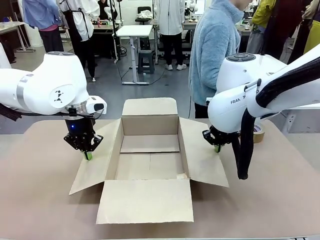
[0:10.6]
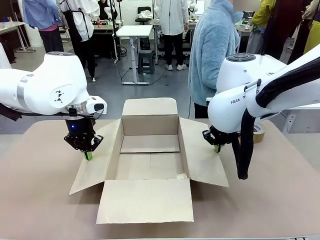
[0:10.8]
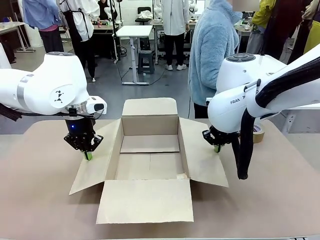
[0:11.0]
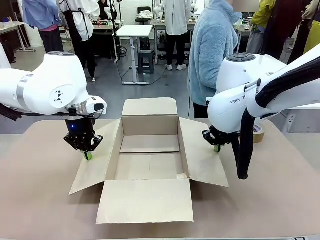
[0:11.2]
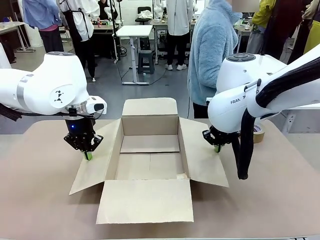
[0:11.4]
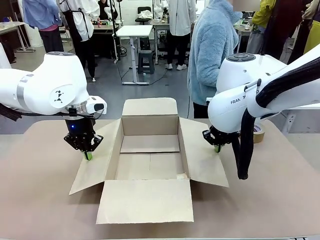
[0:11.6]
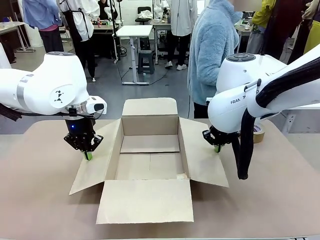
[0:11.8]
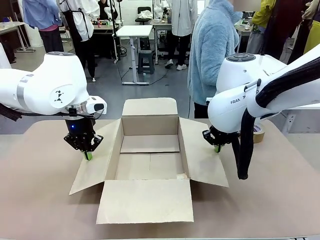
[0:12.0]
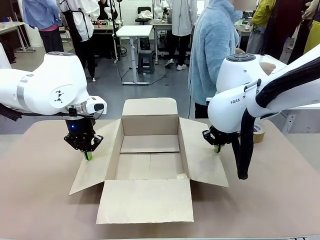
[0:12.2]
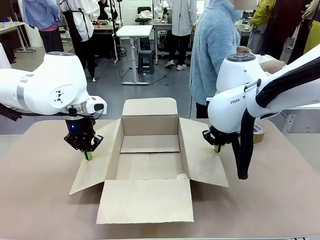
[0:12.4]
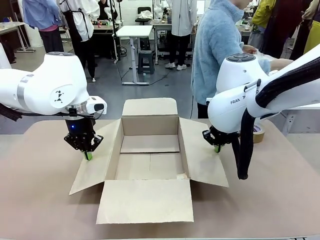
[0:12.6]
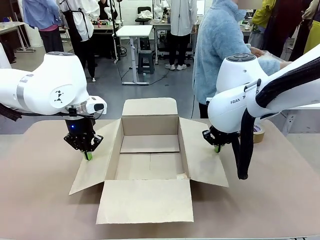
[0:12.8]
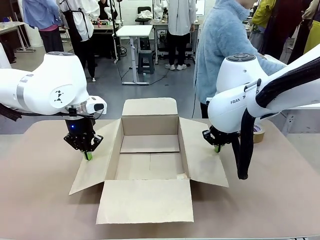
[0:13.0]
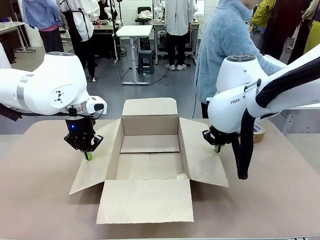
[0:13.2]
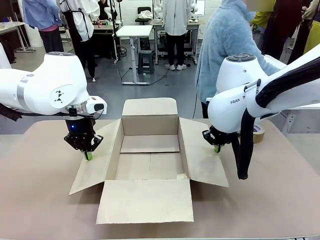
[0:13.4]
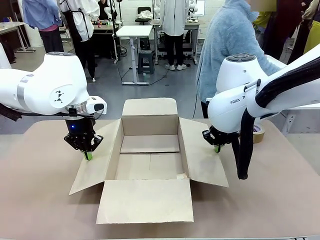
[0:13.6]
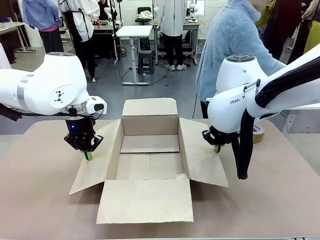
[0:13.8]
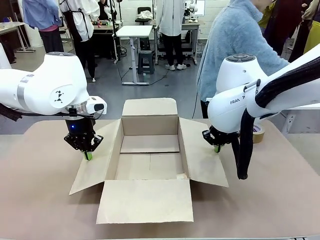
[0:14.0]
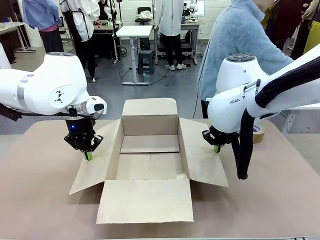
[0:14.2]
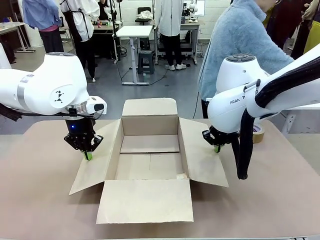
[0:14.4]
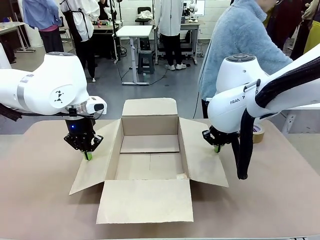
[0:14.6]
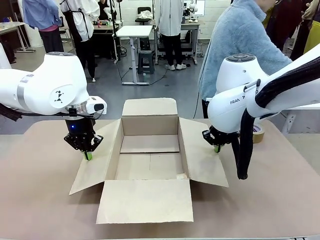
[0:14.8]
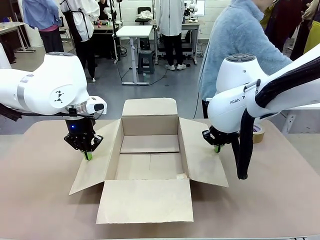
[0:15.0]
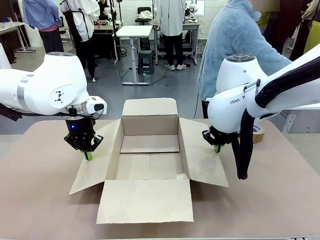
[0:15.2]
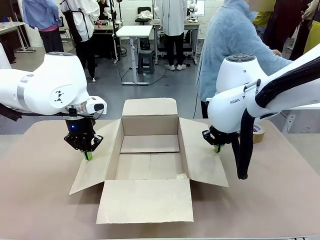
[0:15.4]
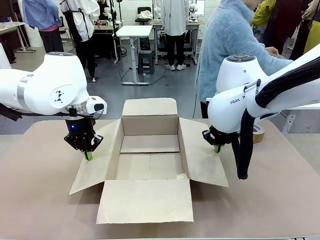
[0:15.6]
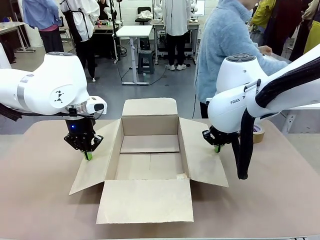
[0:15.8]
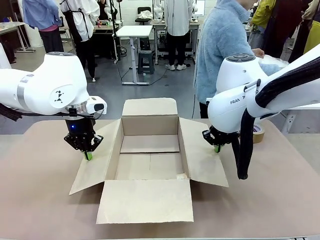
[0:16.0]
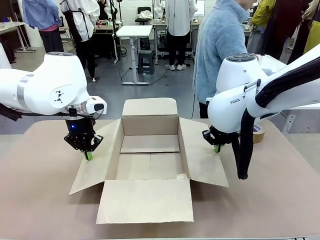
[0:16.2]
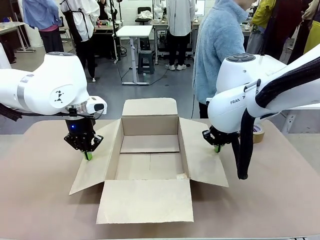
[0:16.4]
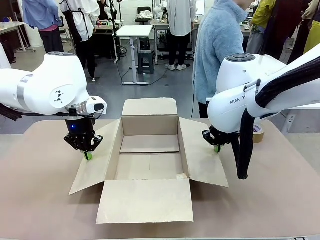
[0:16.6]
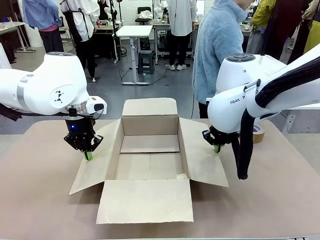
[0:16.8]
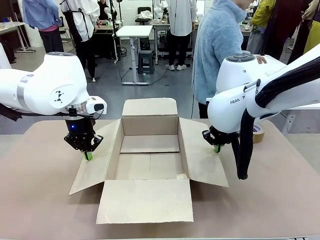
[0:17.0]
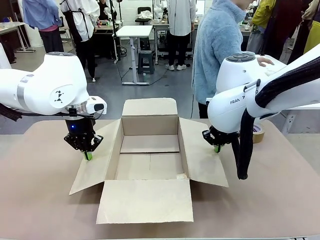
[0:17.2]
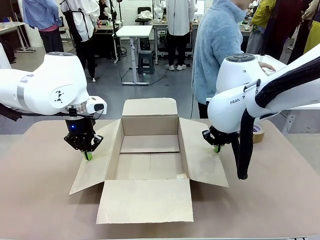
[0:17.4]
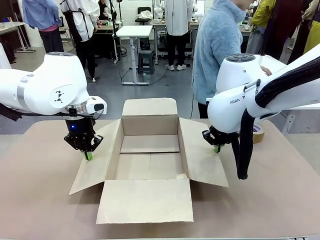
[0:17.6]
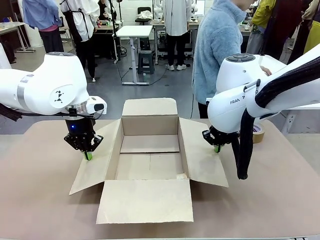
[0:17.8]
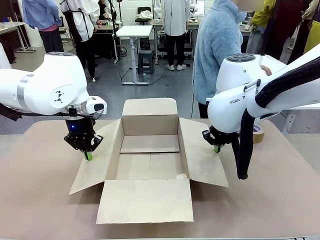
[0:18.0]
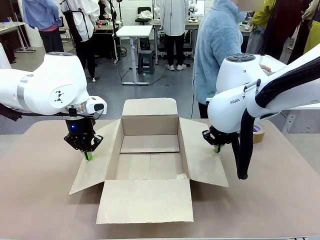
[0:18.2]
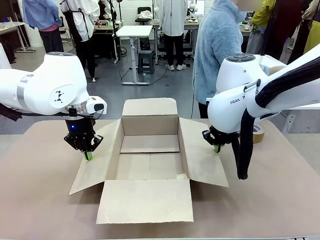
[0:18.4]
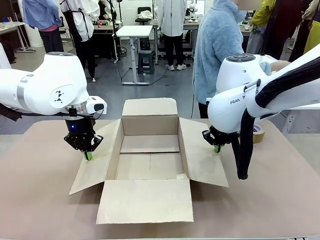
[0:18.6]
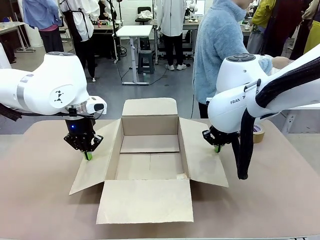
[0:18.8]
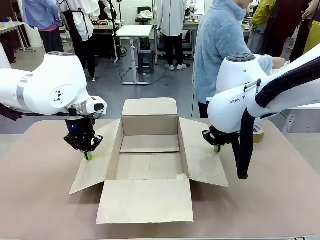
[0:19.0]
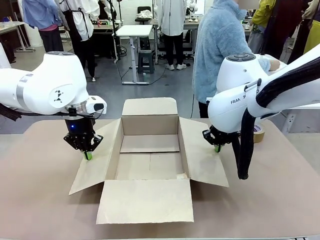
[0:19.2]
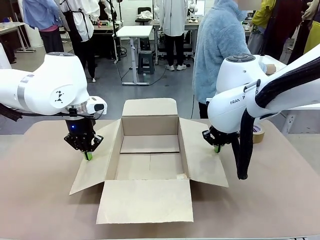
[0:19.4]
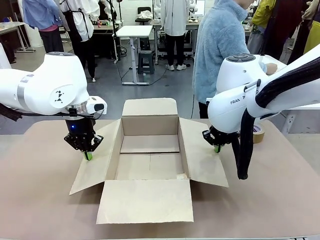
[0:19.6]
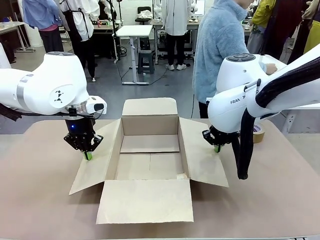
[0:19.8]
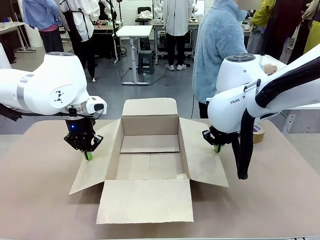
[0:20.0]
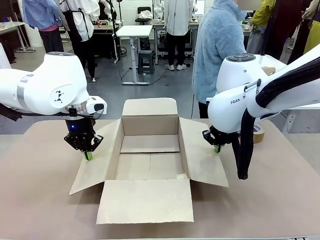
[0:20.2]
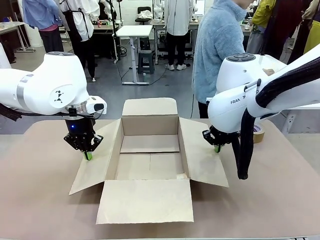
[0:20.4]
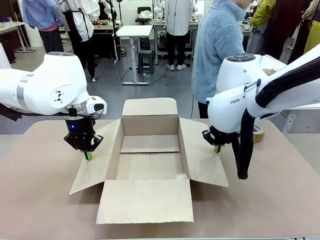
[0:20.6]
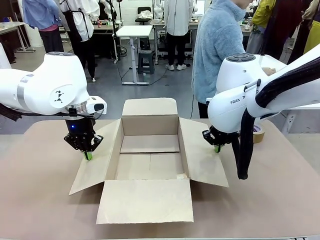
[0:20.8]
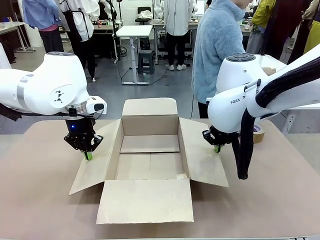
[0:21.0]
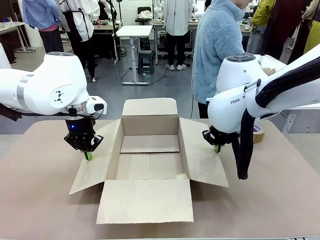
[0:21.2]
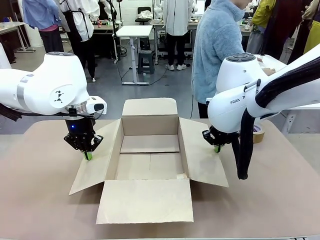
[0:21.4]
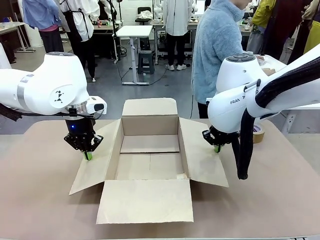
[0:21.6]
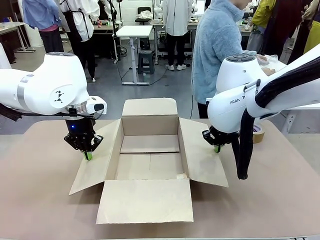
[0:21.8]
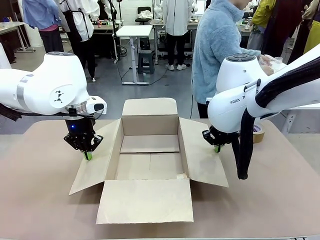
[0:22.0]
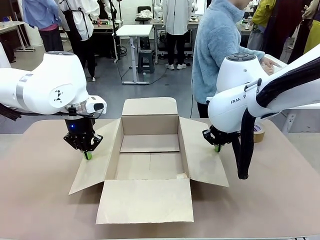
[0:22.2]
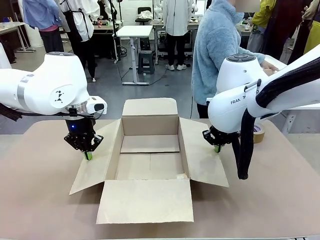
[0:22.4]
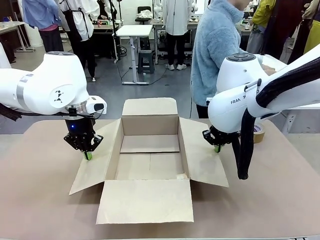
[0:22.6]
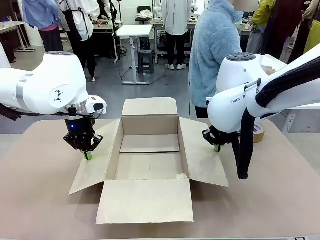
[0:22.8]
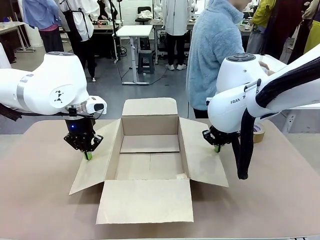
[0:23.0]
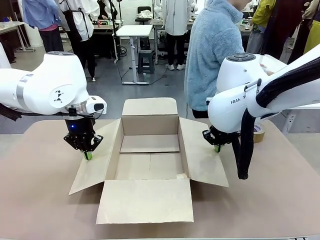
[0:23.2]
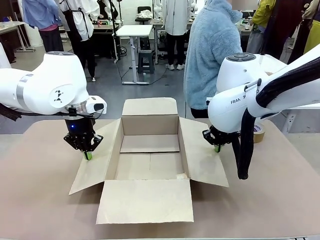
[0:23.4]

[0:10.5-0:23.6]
Task: Wrap the clocks to prevent damage.
Robot: Once the human has placed the objects inside and stepped back, release both hands from the side flaps of the Package Box.
Person: Wrap the two Digital clocks with Bubble Wrap.

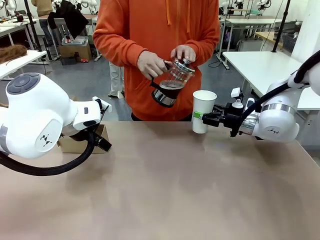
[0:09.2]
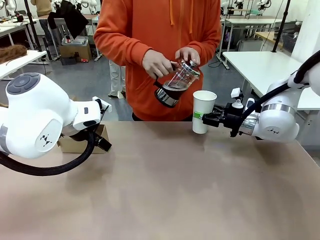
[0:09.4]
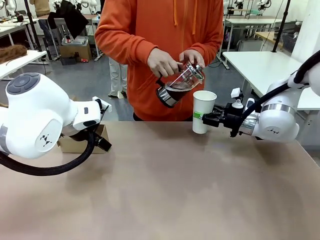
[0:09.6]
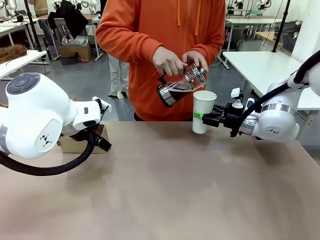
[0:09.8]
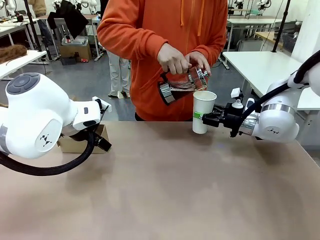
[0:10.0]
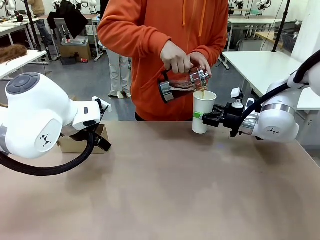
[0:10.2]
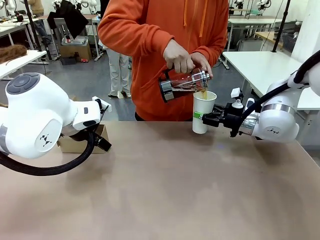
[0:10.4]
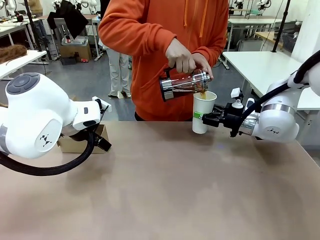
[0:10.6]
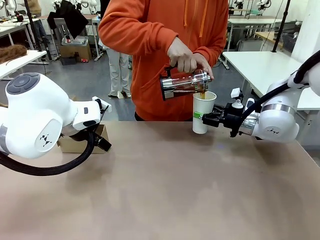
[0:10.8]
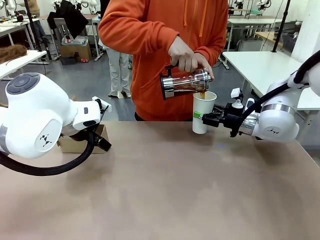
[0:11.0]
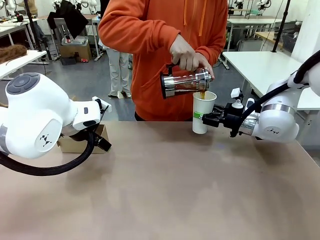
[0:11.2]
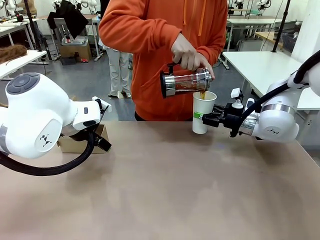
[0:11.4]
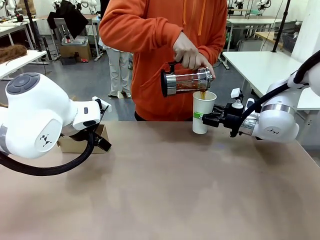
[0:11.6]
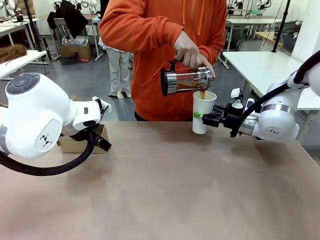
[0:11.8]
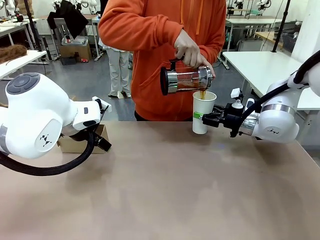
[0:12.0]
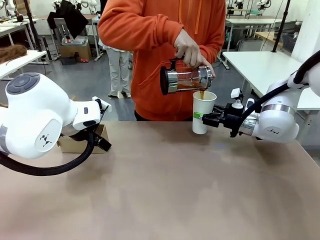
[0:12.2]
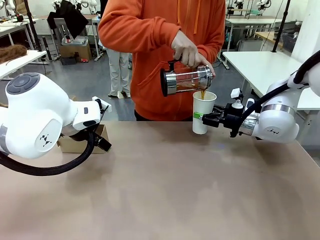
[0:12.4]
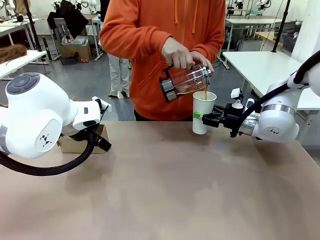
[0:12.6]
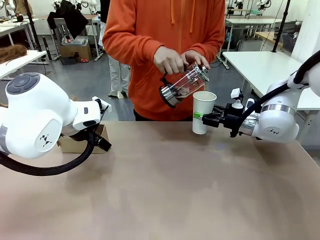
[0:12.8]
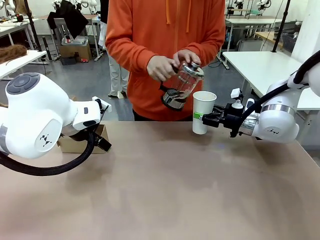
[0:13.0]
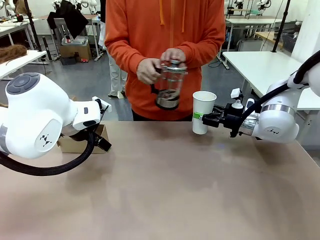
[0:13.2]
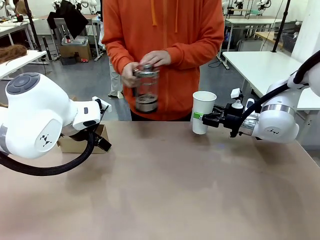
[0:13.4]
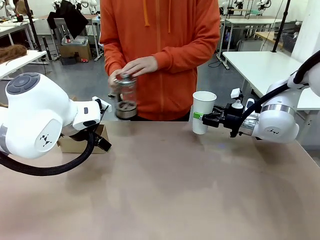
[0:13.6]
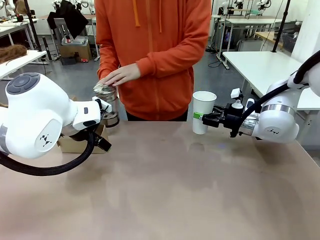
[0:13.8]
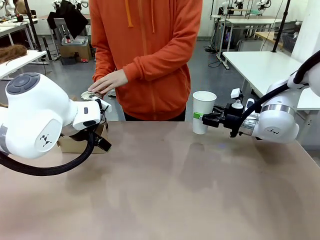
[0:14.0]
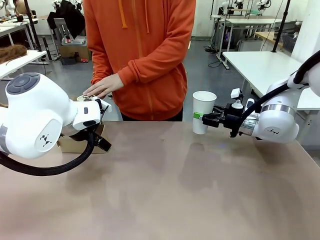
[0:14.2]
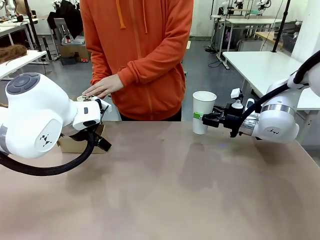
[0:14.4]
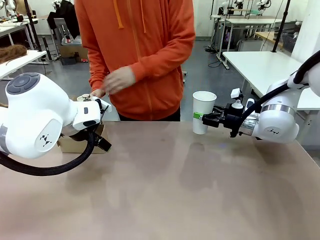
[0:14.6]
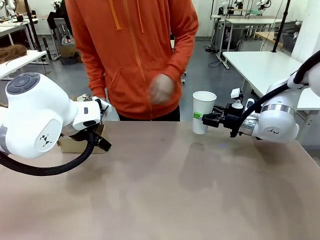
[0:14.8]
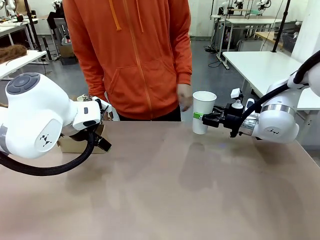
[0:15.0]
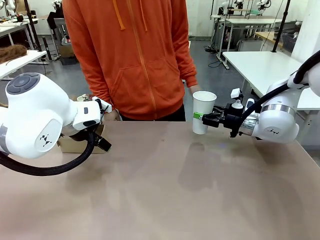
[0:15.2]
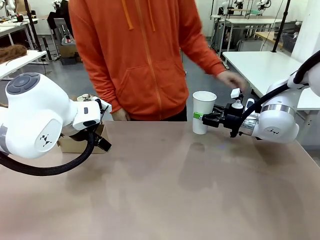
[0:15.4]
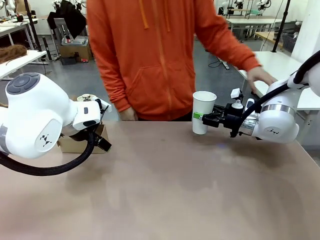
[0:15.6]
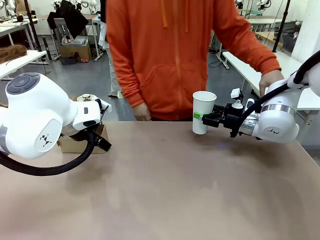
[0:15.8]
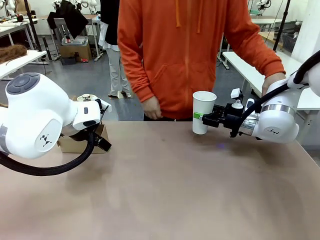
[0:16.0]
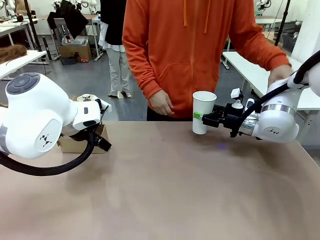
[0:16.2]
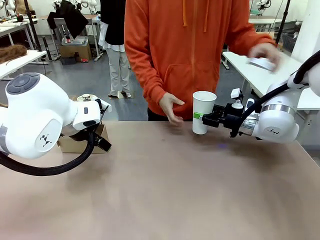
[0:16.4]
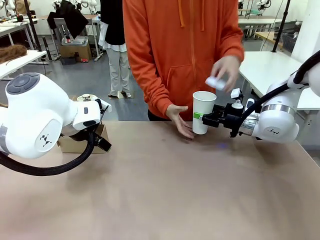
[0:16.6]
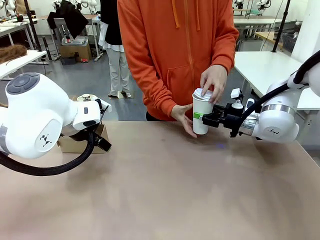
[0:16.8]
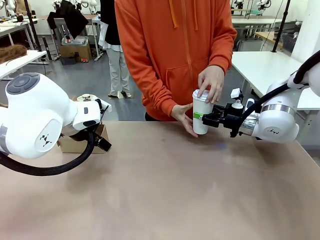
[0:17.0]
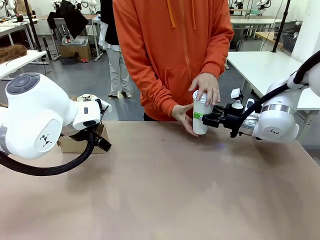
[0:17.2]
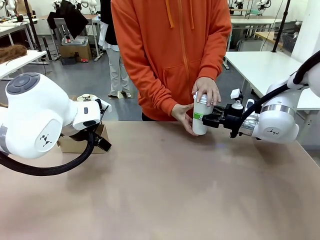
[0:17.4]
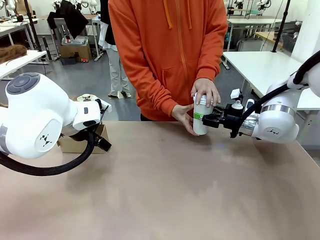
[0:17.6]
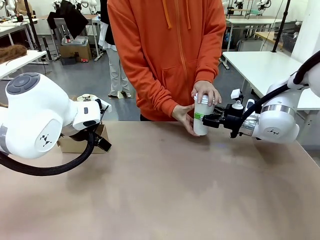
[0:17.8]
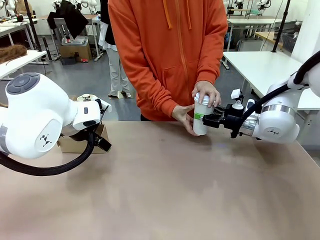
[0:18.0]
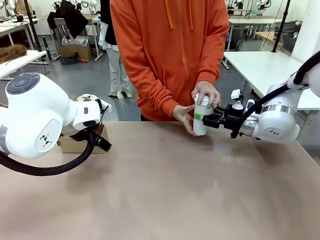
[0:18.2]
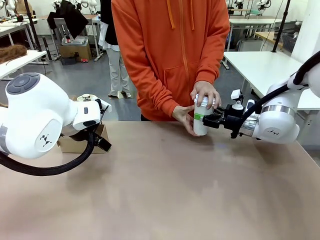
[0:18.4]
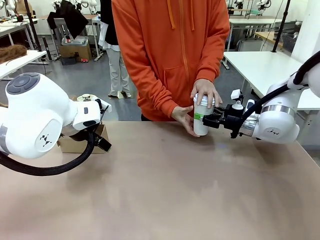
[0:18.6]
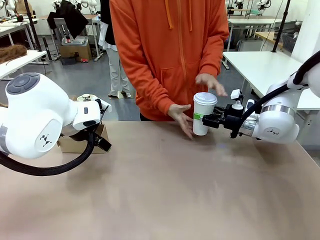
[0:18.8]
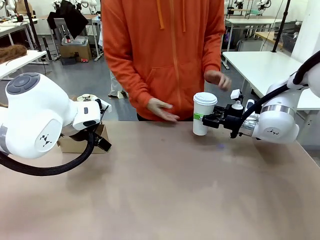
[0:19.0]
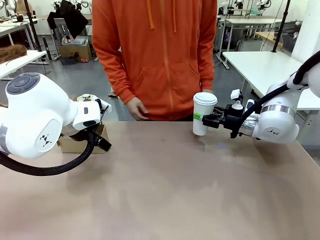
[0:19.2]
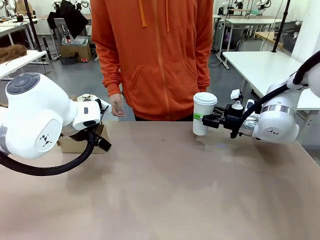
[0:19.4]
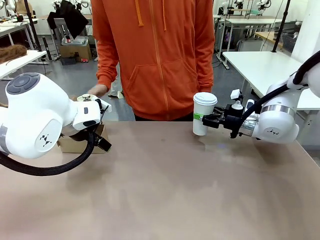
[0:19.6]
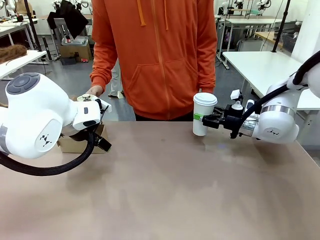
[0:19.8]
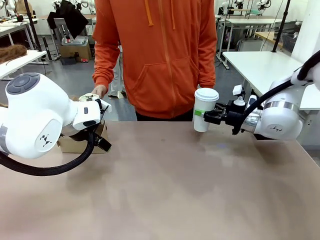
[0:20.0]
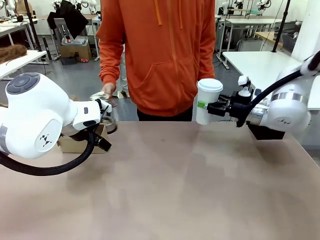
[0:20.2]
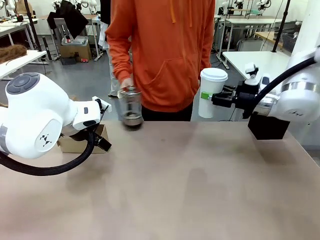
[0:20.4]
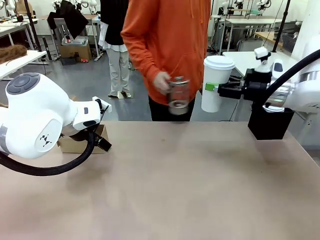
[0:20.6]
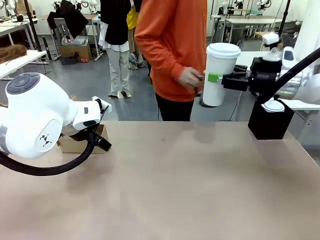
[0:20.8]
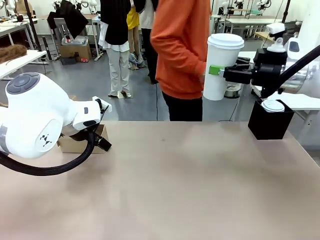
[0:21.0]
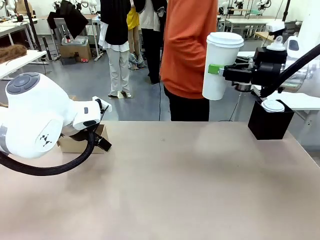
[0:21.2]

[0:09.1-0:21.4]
Task: Pour a drink into a cup and package it in a carrier.
Robot: When a person places the Paper Cup Lid on the 600 ml Paper Cup , lift the 600 ml Paper Cup.
Person: Pour the drink from the Filter Brewing into the 600 ml Paper Cup. Place a Paper Cup Lid on the 600 ml Paper Cup.
